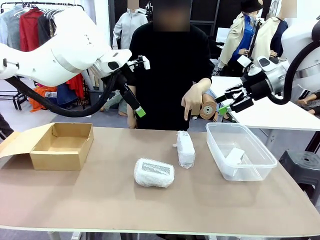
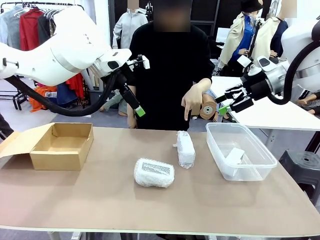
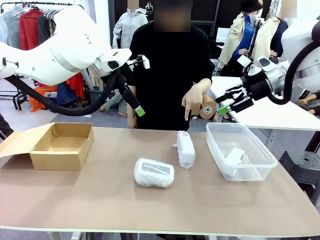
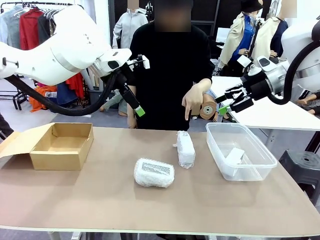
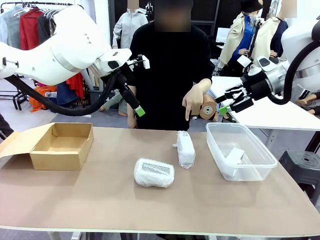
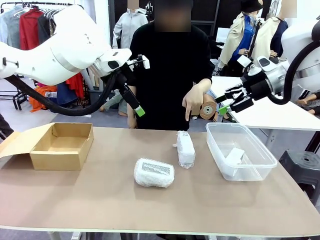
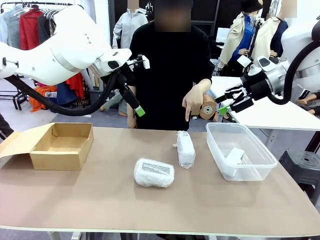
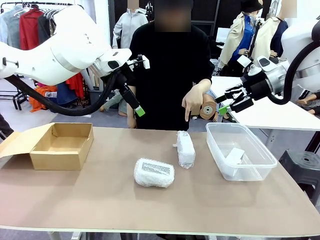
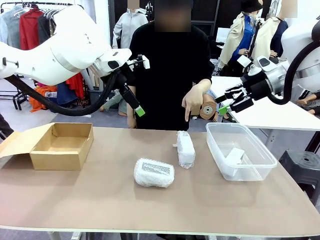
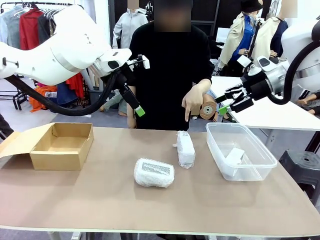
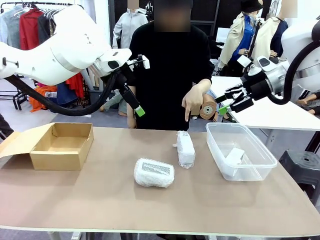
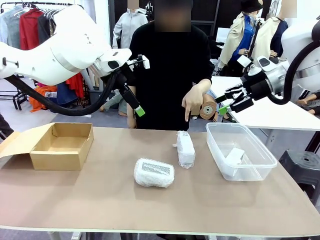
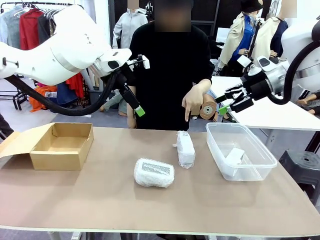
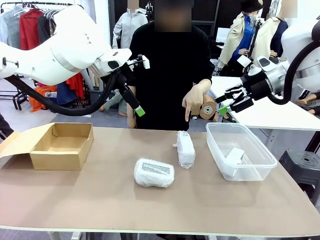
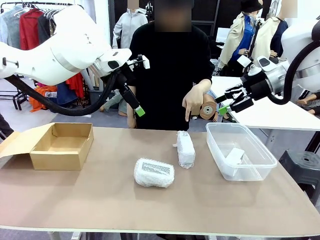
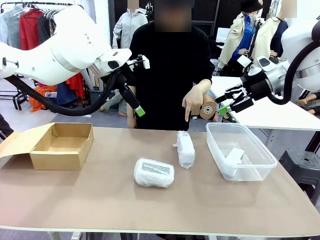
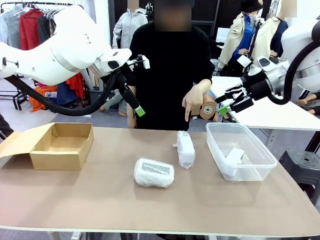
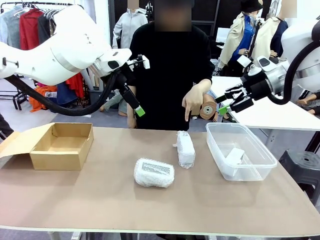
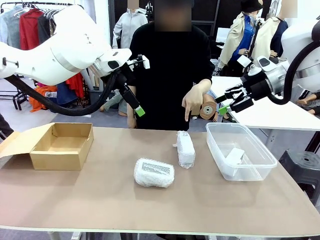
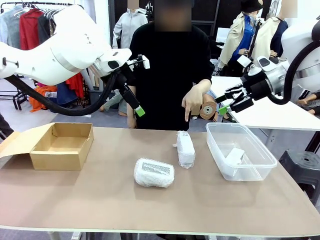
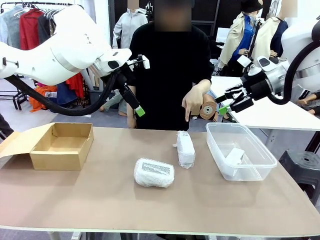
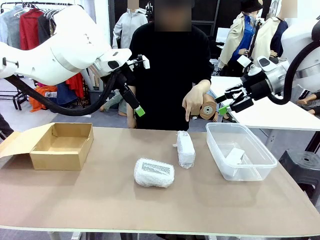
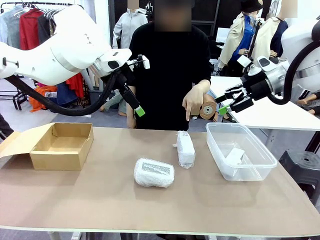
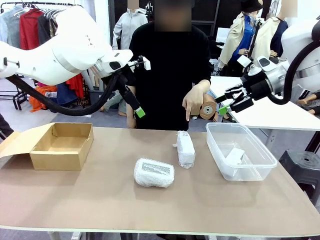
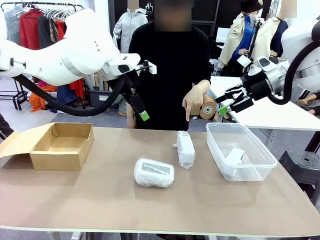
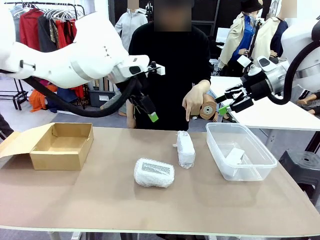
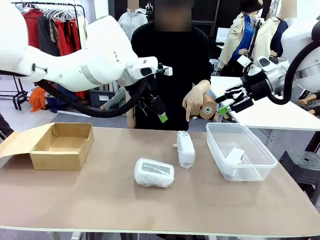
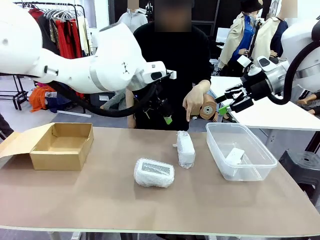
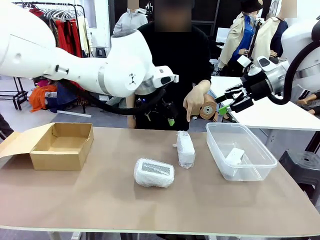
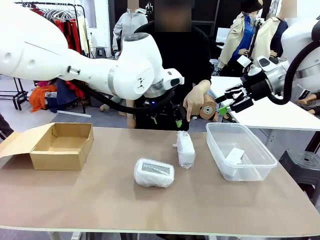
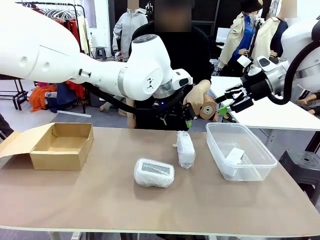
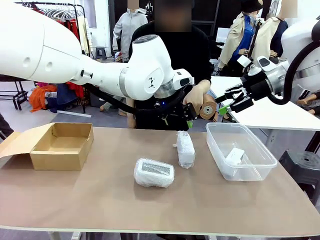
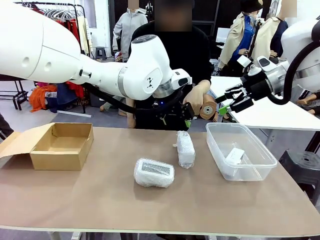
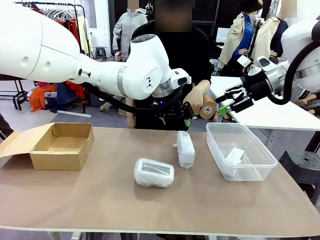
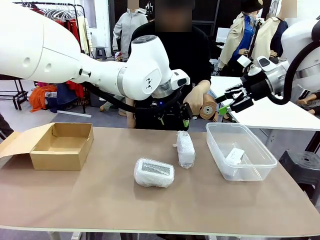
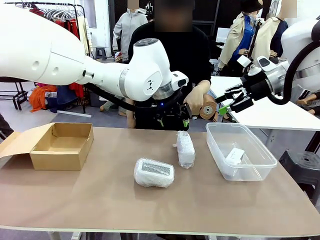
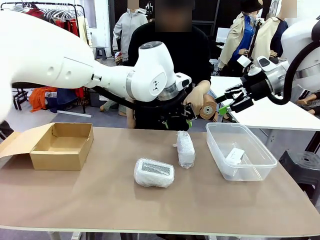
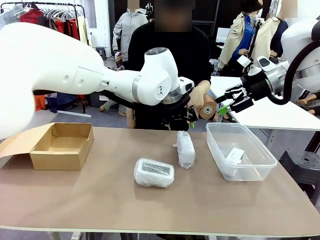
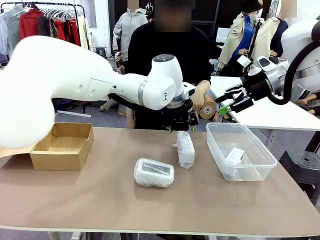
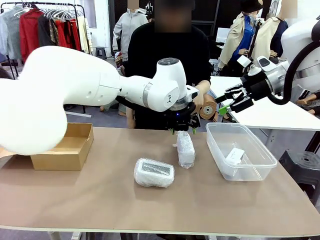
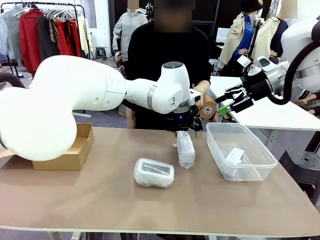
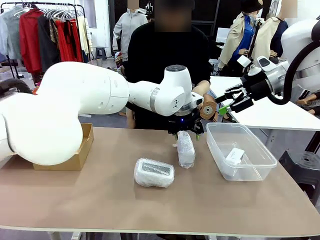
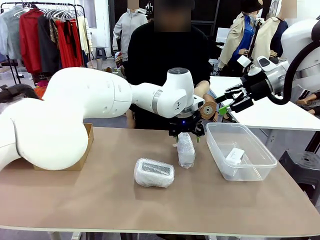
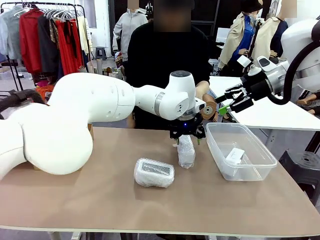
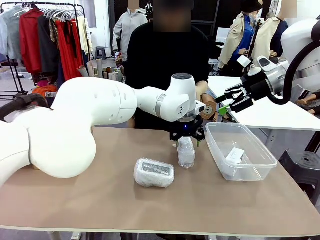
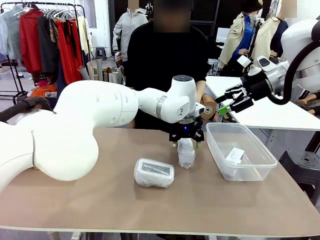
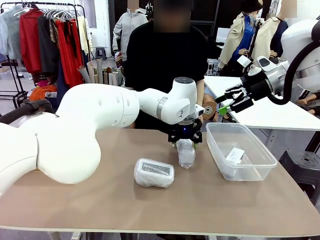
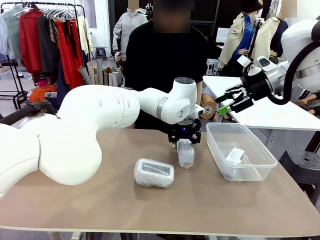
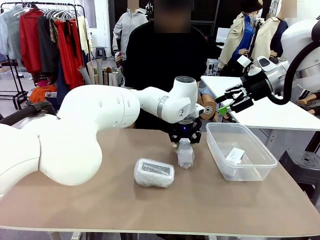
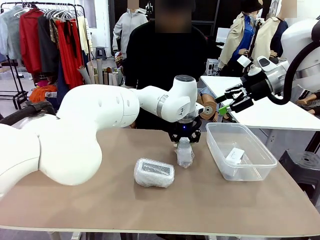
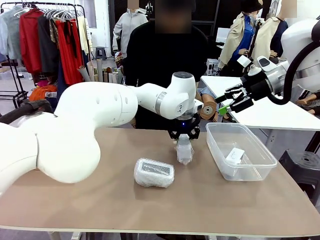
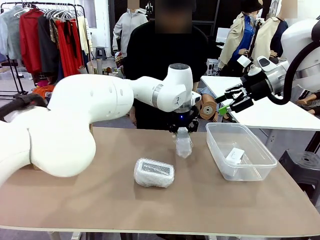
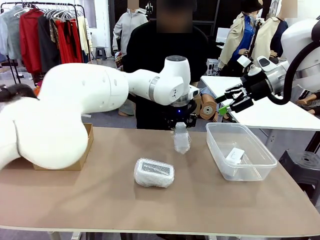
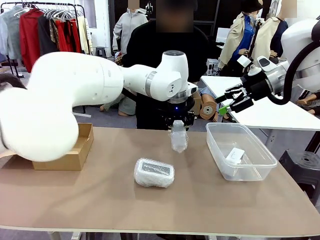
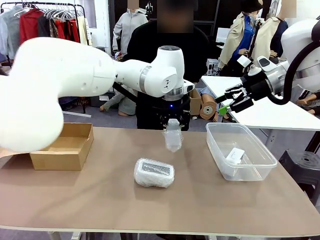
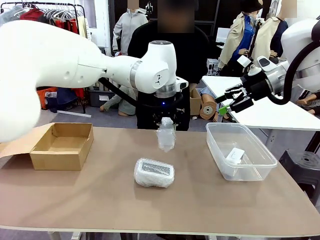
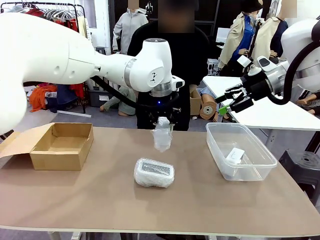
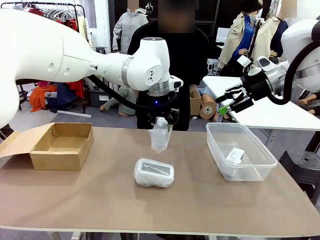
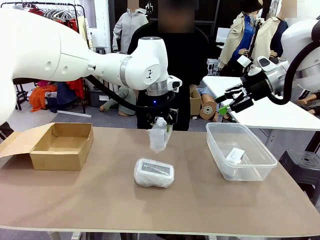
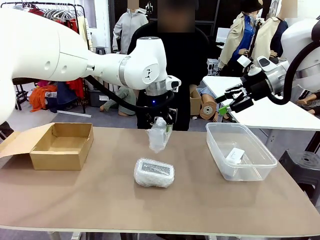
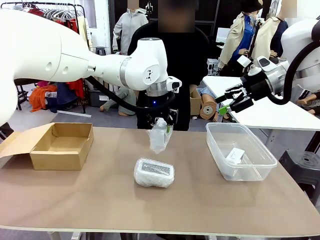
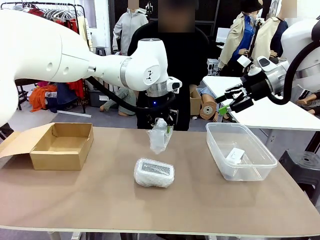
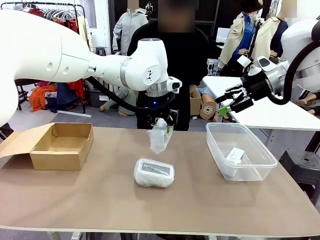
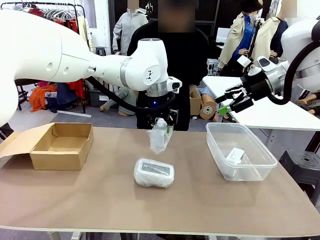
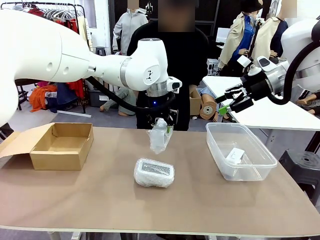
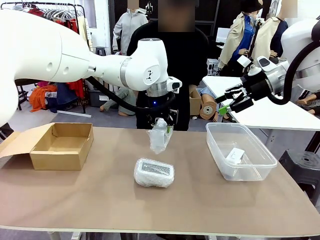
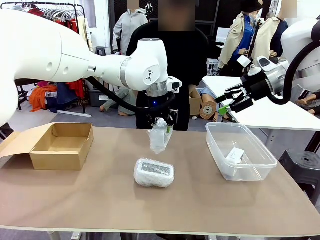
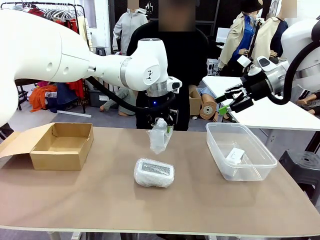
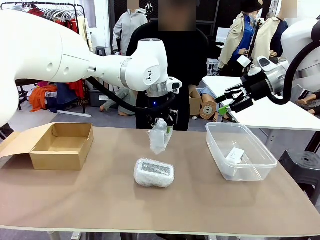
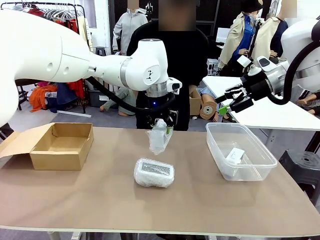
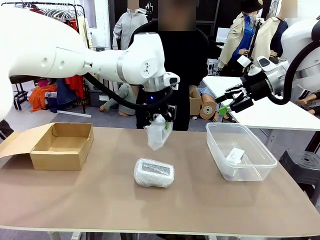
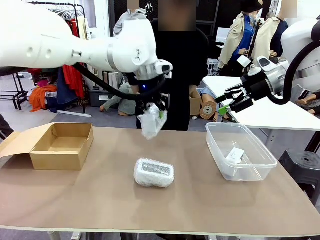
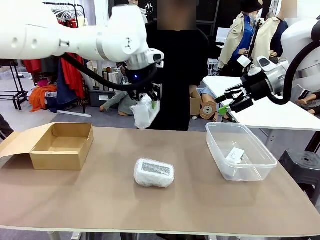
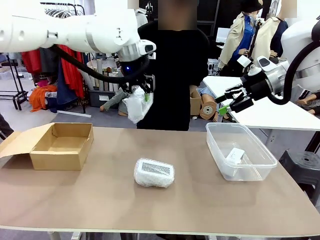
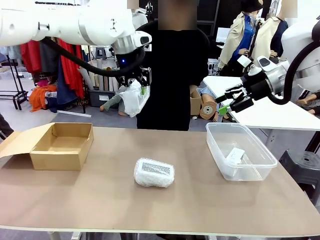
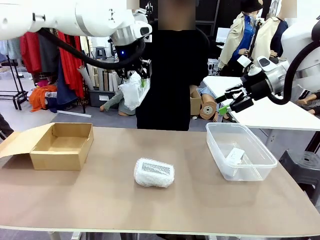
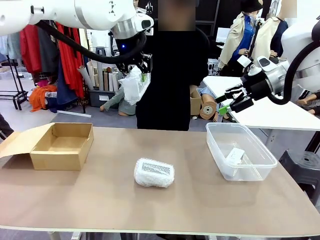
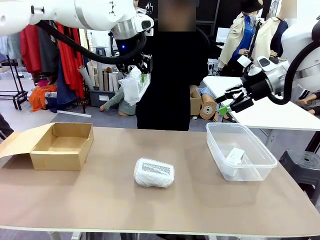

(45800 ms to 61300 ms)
Task: Separate and place wrapped and unwrapped clocks.
Robot: Pick up the Digital clock indicated by the person.

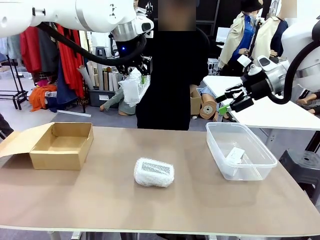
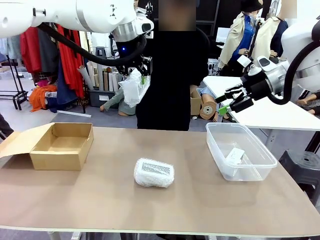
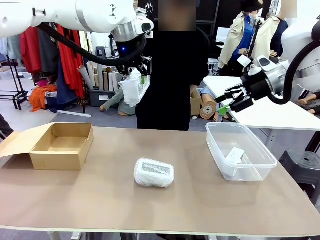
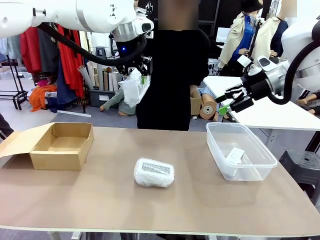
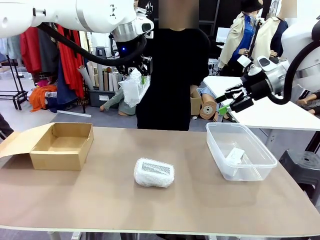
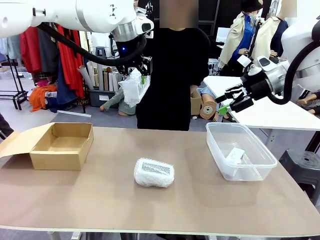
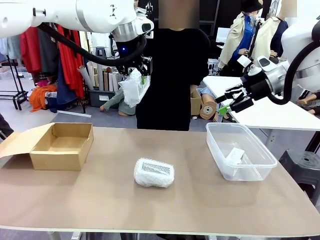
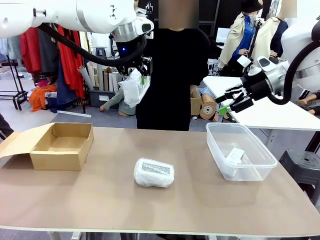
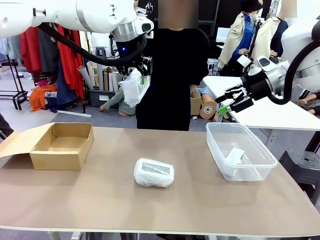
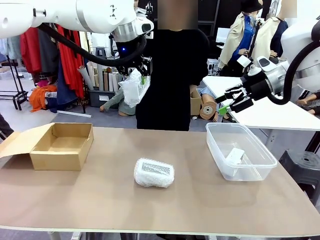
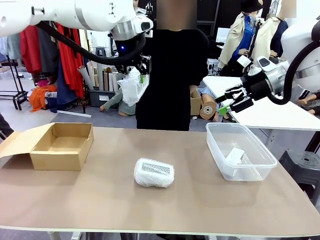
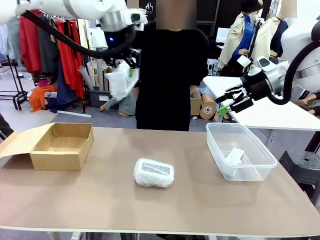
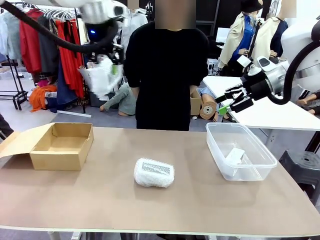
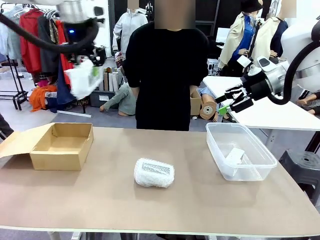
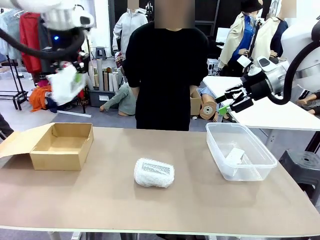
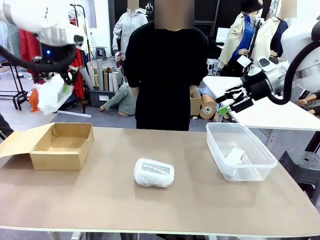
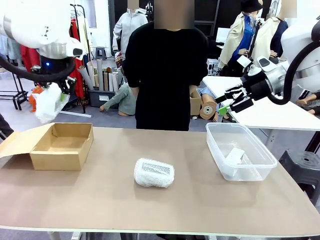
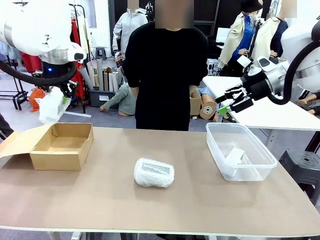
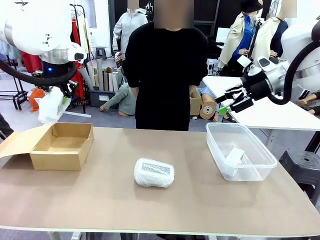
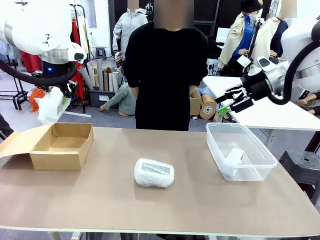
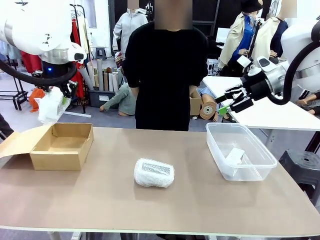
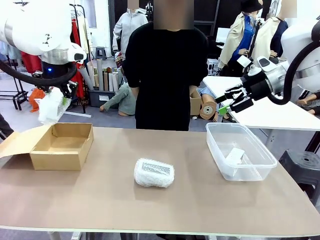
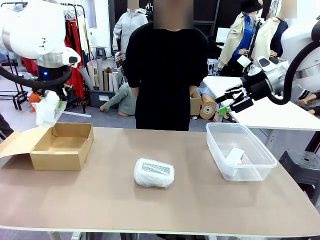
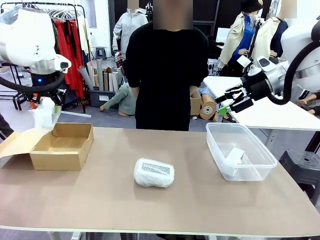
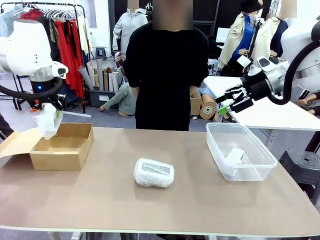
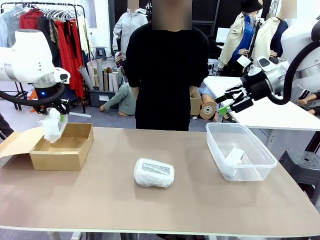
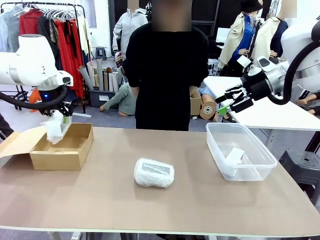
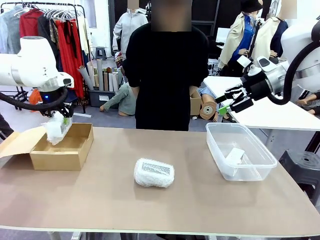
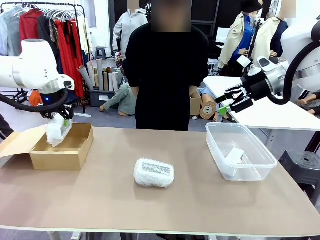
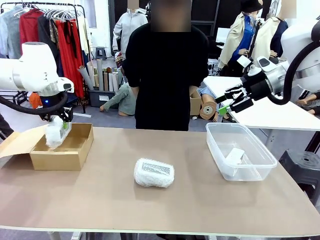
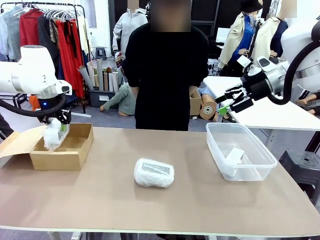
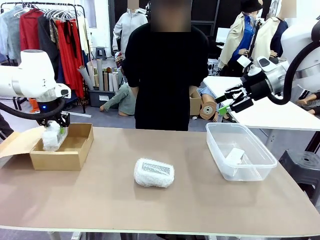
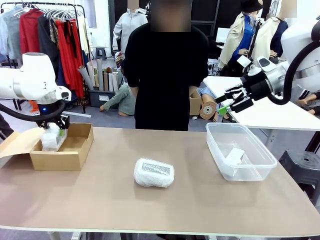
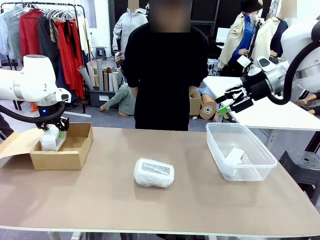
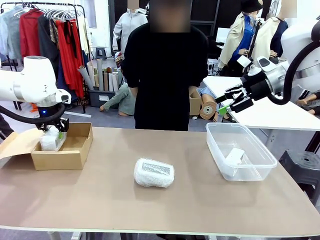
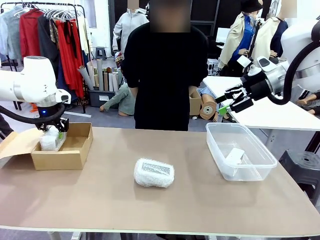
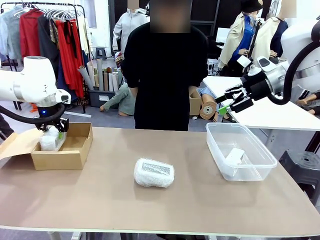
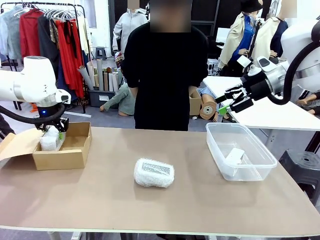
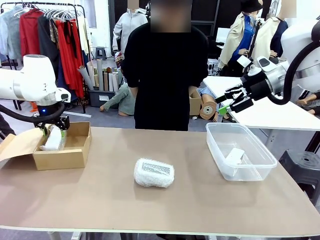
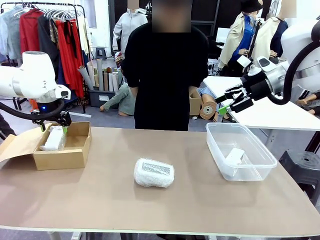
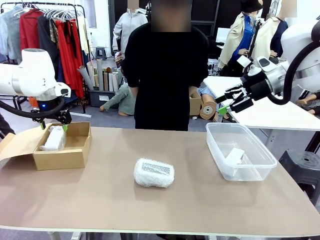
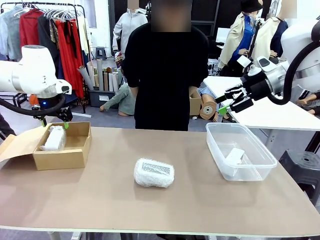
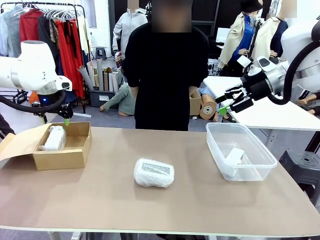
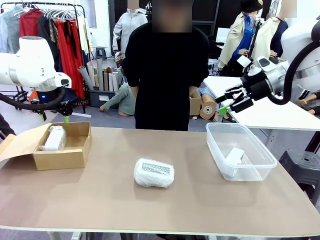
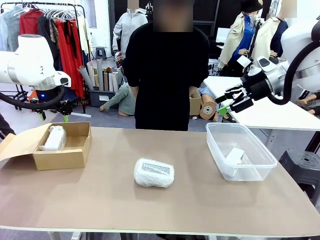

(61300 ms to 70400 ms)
Robot: If the picked Digital clock is wrapped, place it in the Package Box ; if not, place it in the Organizing box.
